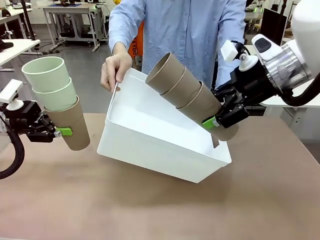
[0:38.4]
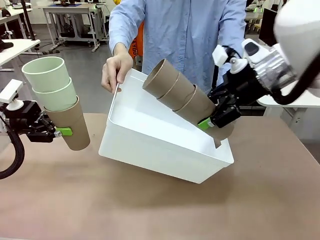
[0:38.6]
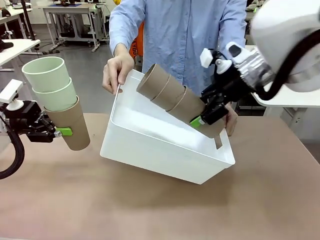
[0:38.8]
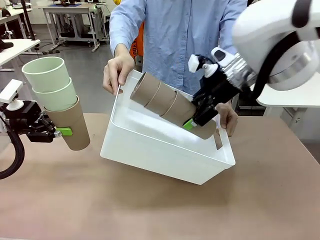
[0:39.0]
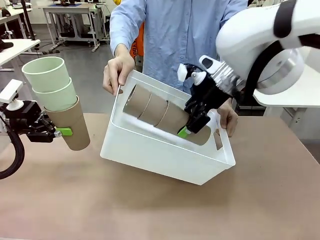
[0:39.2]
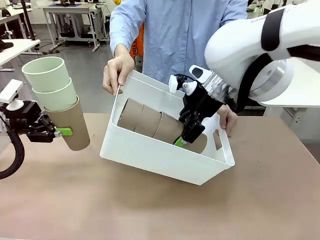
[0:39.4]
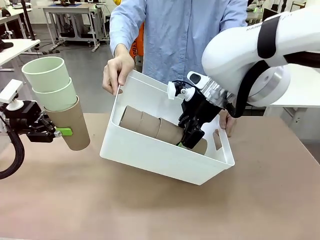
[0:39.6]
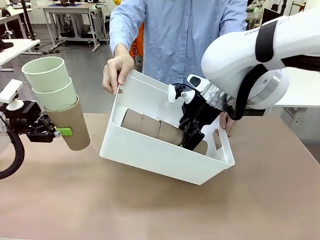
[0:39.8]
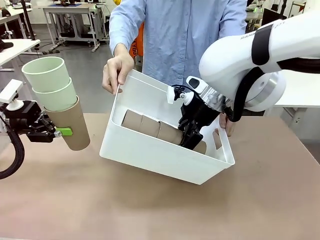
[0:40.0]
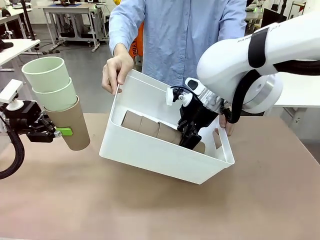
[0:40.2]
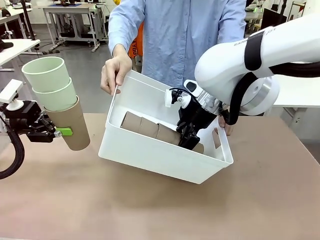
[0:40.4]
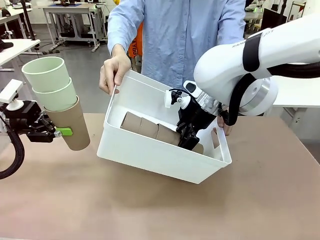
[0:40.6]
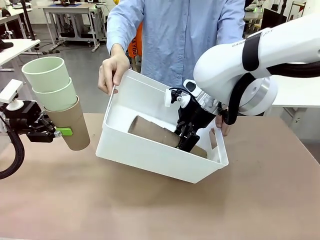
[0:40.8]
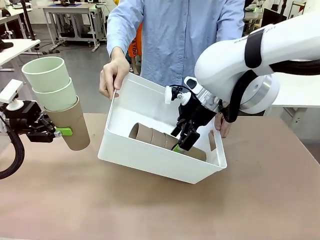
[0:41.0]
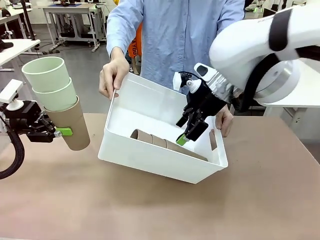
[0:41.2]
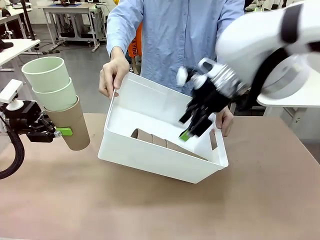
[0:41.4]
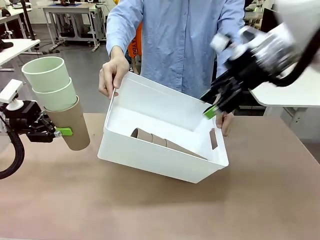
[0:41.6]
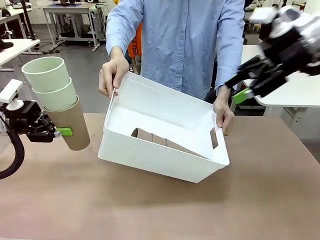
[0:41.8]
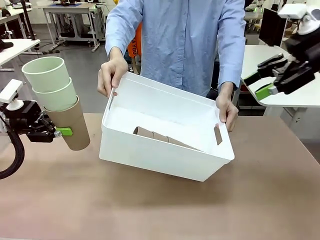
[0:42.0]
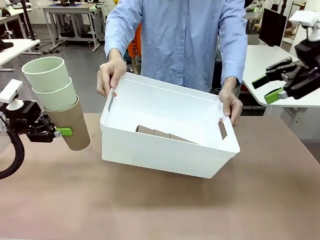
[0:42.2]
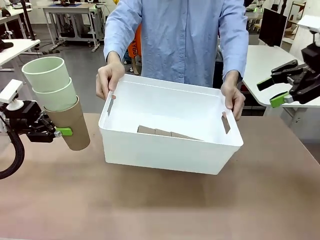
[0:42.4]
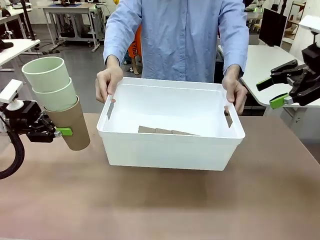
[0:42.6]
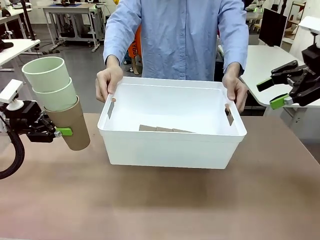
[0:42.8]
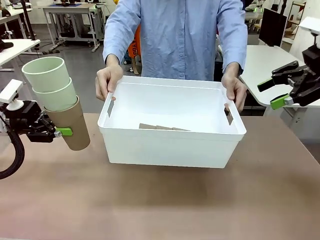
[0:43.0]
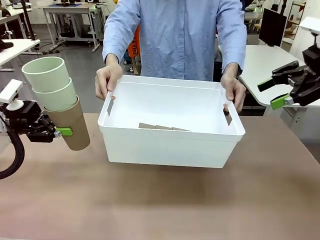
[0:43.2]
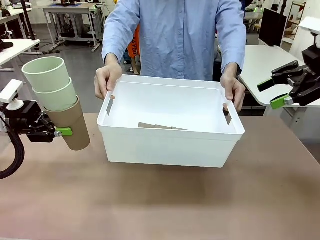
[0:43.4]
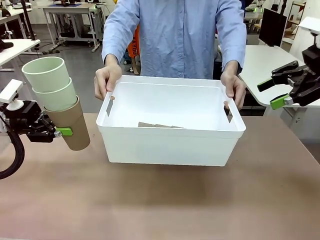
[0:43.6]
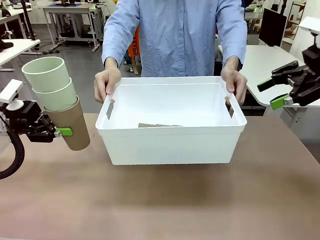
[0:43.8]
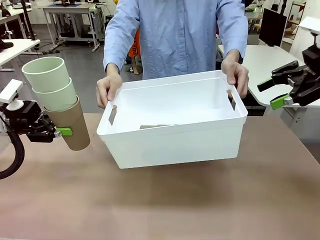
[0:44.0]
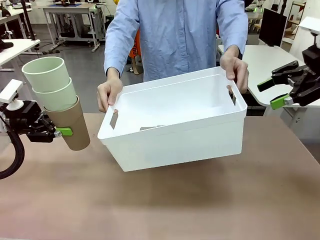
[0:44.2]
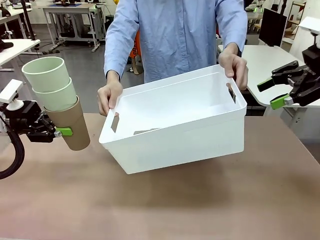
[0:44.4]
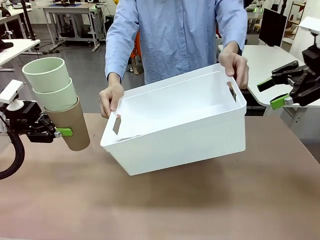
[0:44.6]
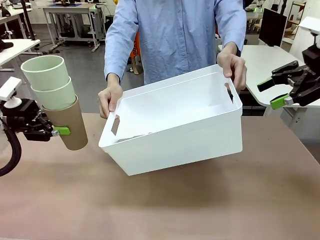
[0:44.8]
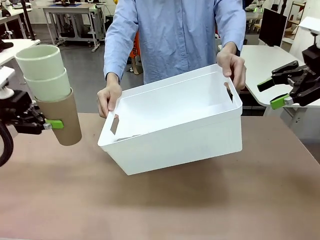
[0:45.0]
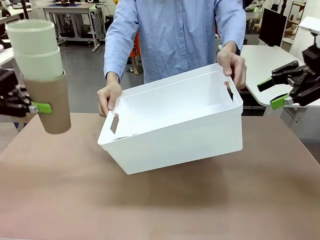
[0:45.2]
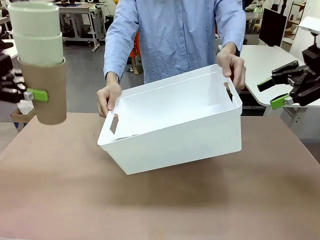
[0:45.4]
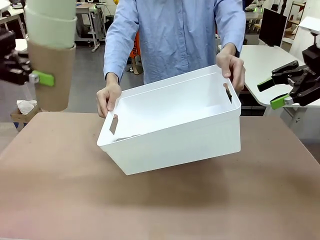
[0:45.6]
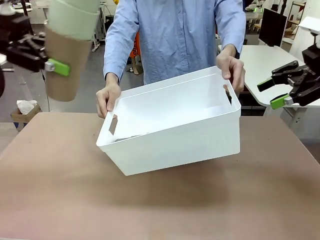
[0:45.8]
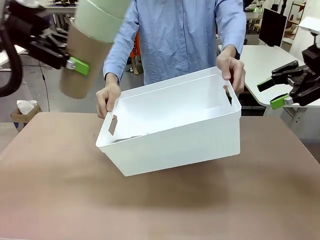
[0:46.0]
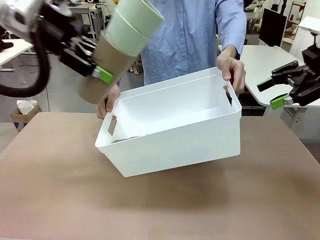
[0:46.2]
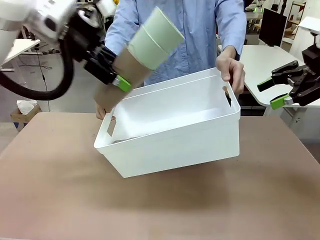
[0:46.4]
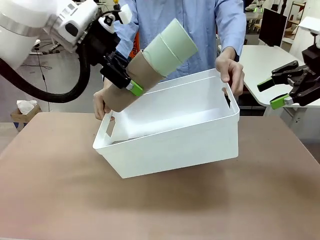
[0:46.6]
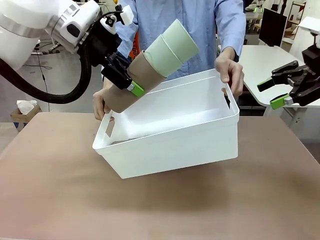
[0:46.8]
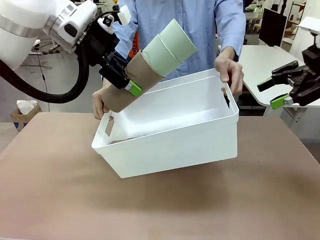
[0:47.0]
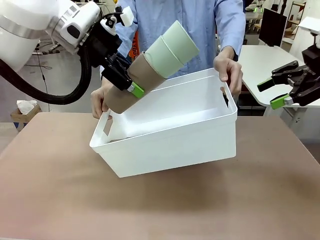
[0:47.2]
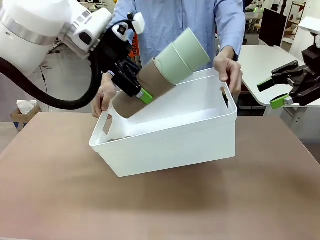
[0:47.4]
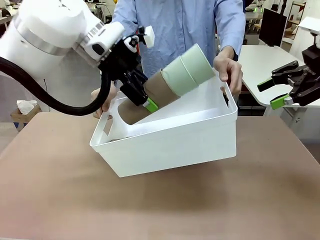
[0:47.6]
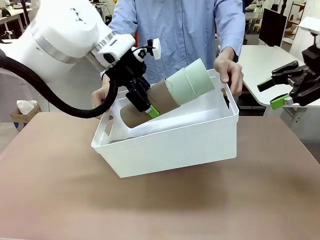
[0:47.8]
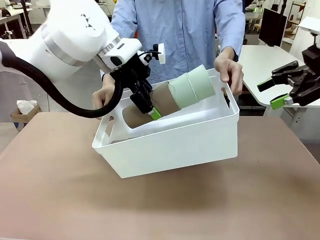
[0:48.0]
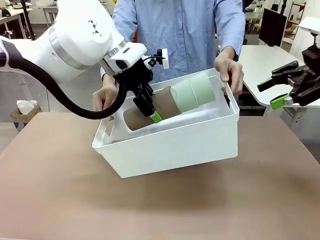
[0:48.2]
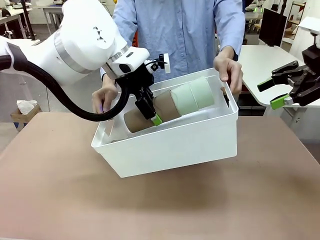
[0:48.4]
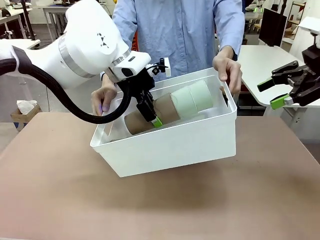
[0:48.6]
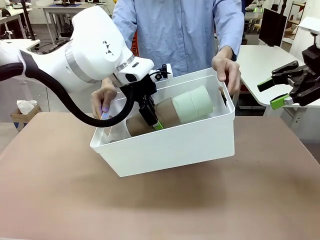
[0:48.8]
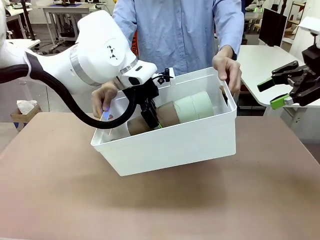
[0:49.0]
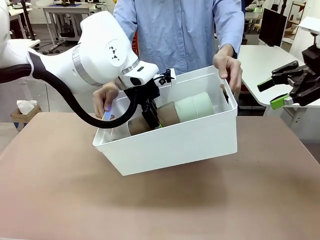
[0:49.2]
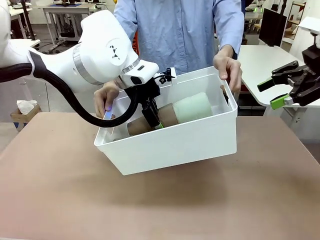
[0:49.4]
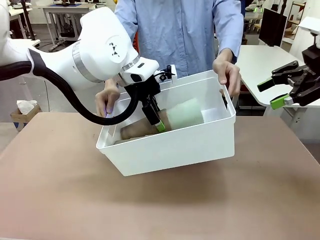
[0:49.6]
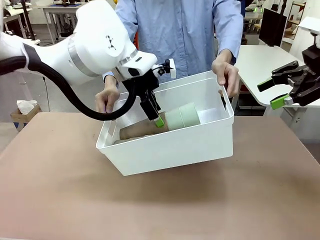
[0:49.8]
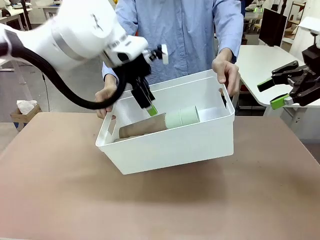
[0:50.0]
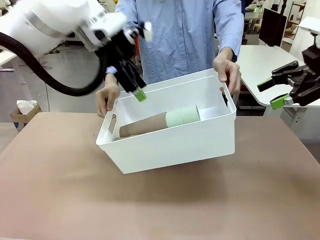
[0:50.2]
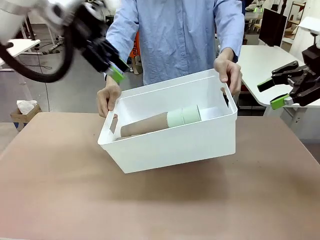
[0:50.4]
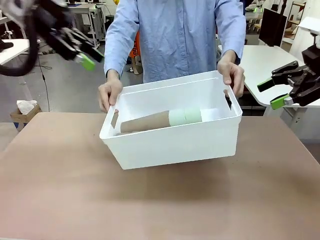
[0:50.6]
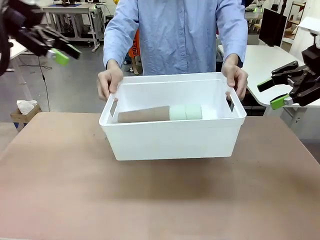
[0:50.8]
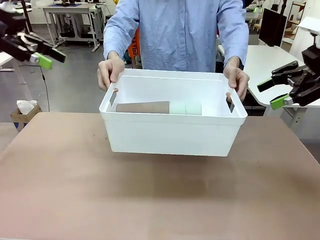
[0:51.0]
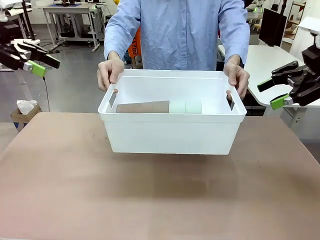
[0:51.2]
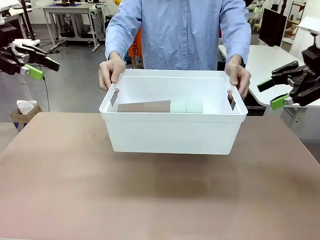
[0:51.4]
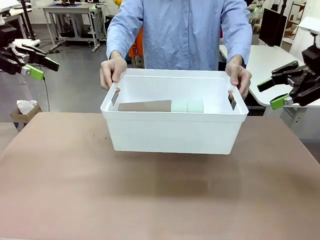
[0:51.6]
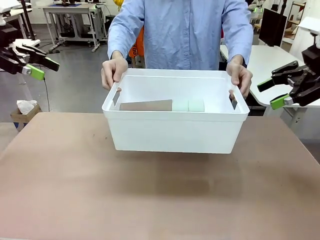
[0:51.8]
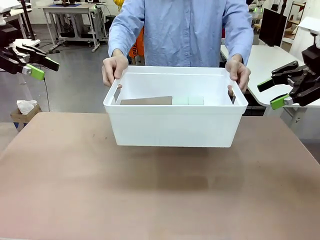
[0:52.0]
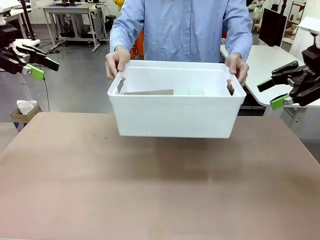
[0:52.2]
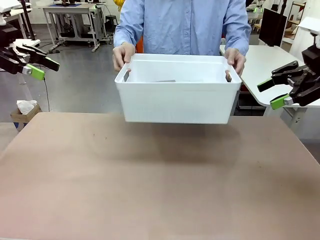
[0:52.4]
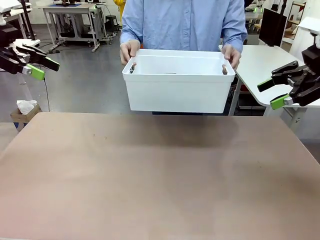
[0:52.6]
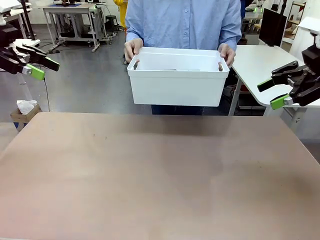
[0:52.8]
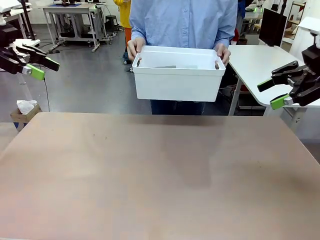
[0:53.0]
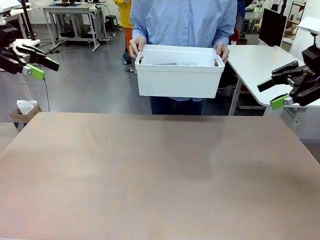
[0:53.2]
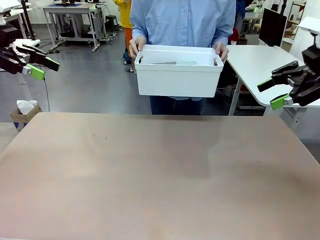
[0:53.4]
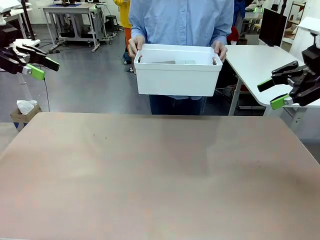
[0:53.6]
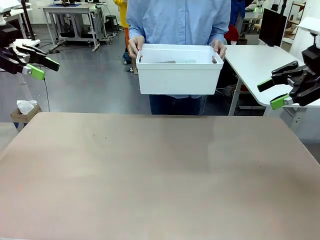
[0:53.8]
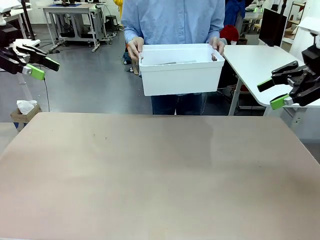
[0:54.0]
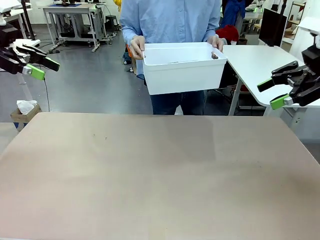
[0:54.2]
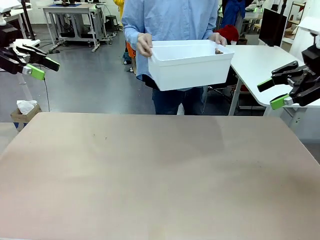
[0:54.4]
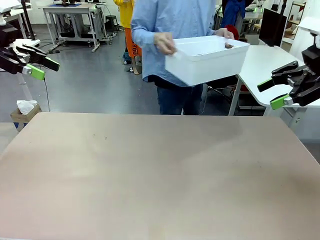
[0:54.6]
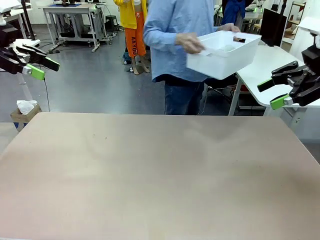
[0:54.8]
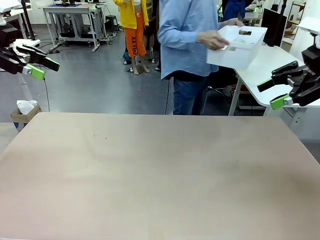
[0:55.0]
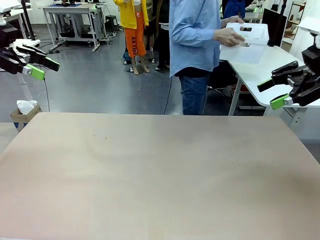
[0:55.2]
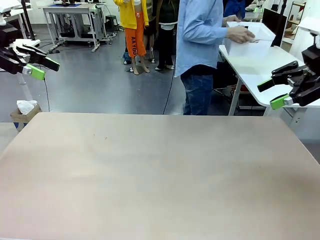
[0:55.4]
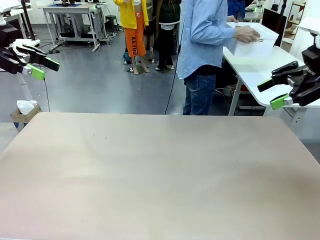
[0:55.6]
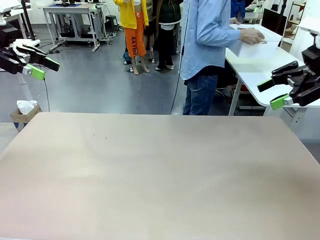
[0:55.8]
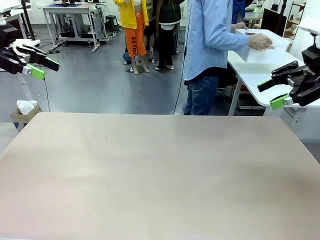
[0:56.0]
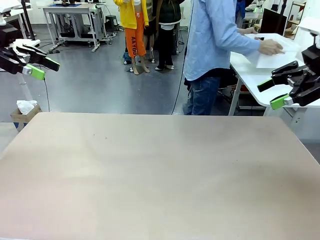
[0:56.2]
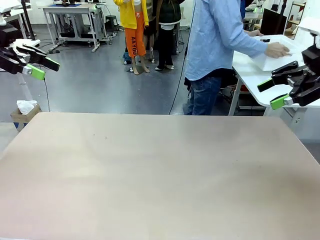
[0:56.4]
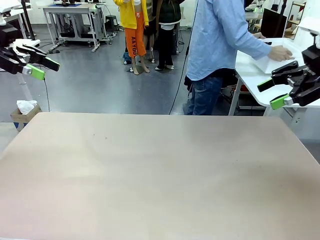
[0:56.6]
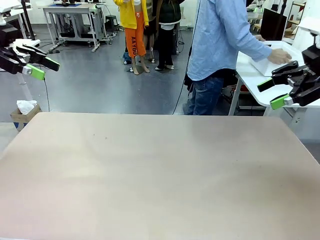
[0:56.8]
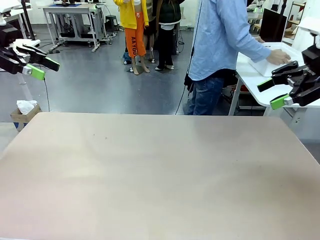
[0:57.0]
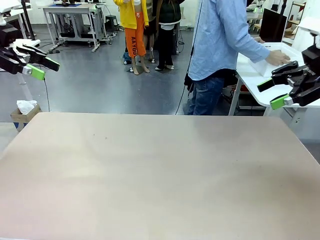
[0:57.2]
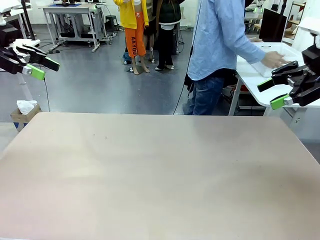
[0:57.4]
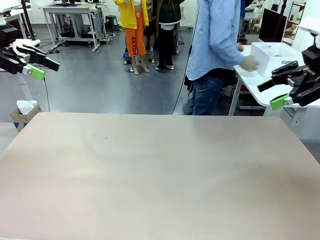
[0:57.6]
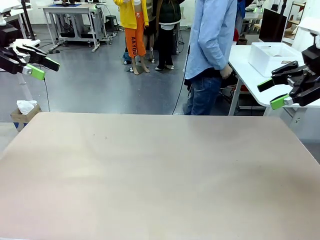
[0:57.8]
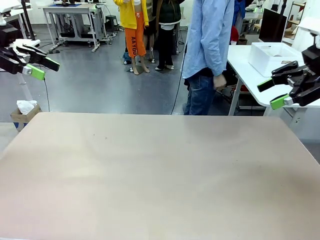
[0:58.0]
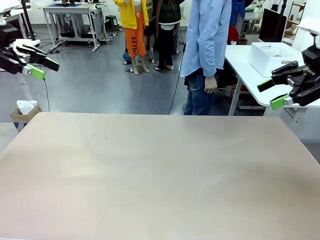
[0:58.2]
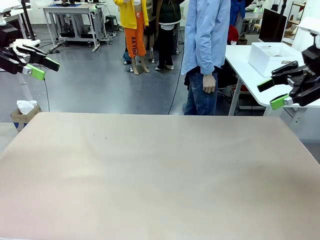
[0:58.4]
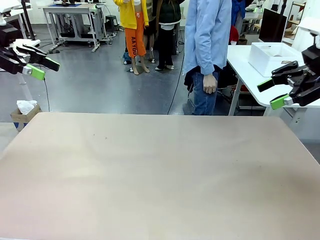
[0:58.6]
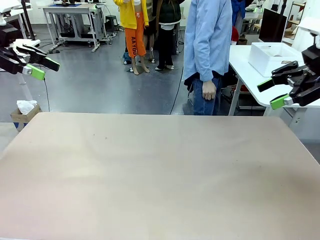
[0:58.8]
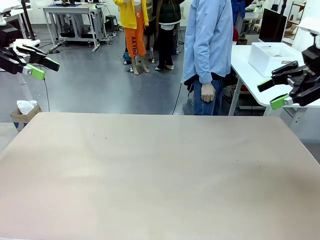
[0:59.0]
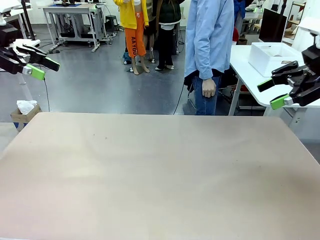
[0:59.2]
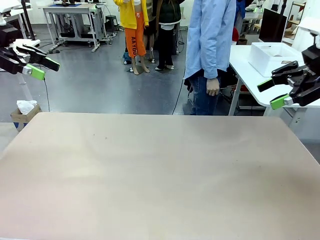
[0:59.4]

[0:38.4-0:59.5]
Task: Stack the cups and store them in the basket.
Robot: Place the stack of Reusable plastic cups into the Pantry Basket.
Person: Place the basket containing the cups in the middle of the Human Table.
